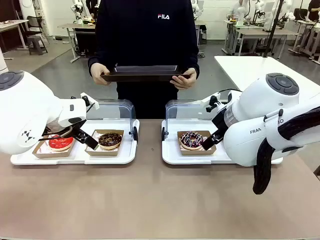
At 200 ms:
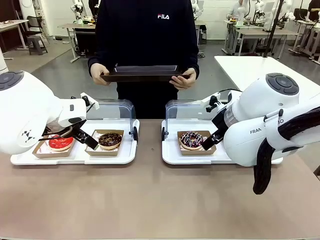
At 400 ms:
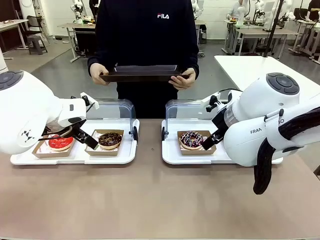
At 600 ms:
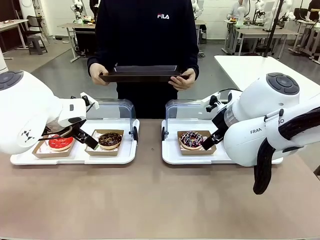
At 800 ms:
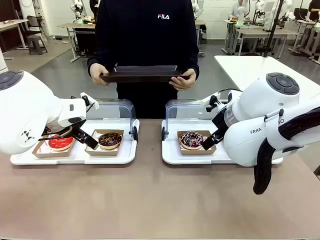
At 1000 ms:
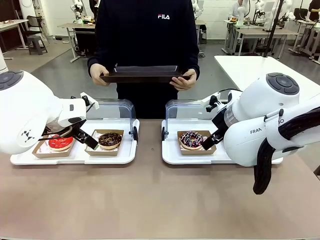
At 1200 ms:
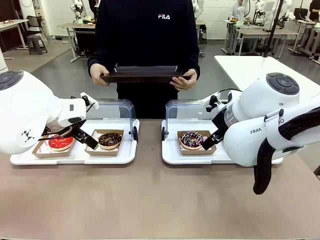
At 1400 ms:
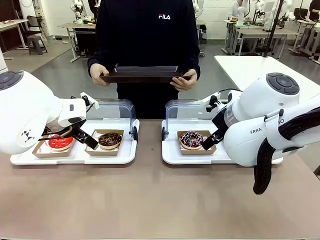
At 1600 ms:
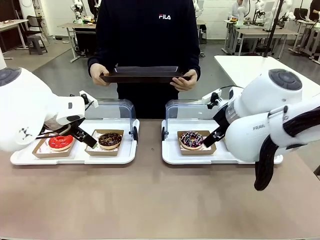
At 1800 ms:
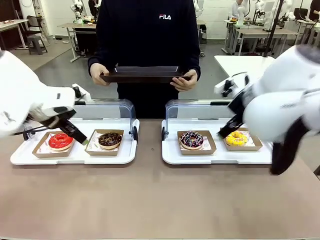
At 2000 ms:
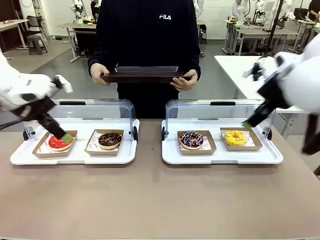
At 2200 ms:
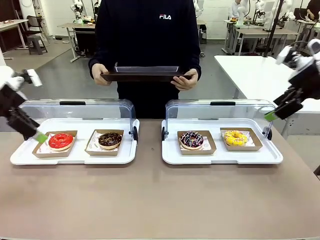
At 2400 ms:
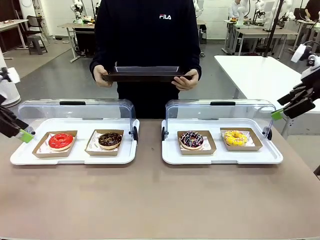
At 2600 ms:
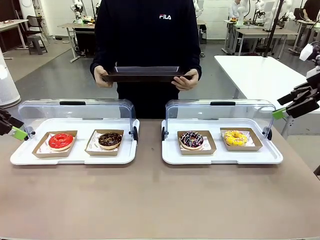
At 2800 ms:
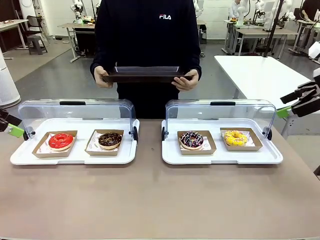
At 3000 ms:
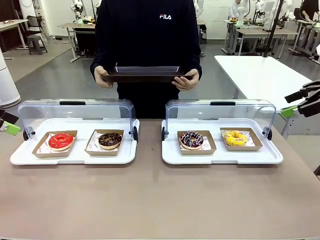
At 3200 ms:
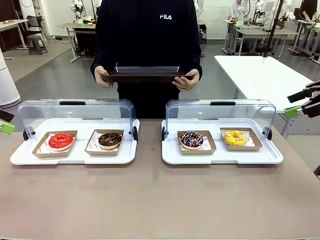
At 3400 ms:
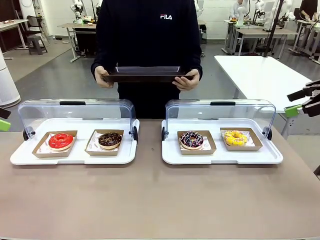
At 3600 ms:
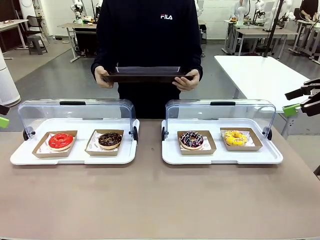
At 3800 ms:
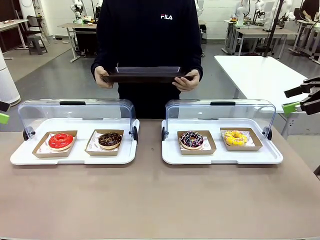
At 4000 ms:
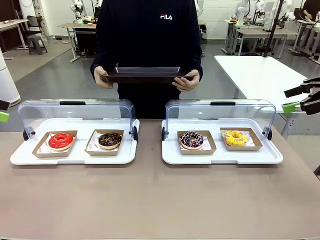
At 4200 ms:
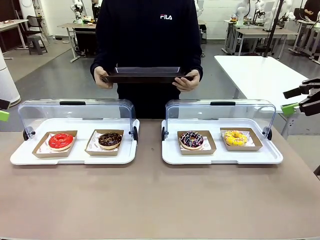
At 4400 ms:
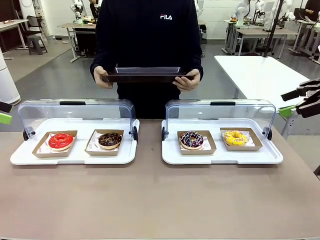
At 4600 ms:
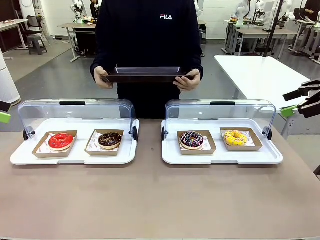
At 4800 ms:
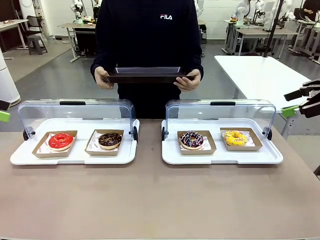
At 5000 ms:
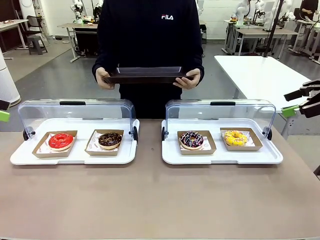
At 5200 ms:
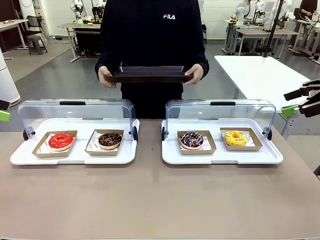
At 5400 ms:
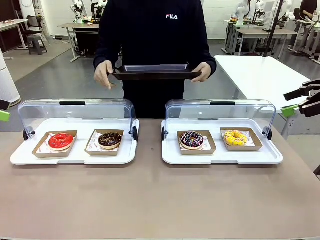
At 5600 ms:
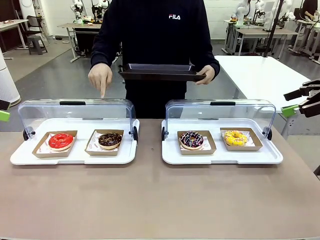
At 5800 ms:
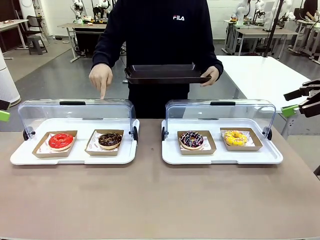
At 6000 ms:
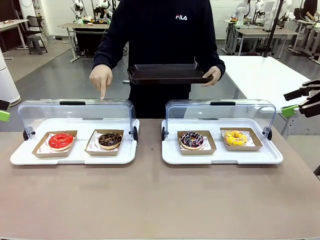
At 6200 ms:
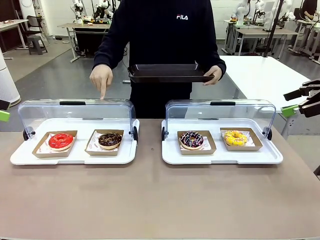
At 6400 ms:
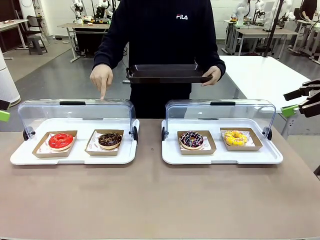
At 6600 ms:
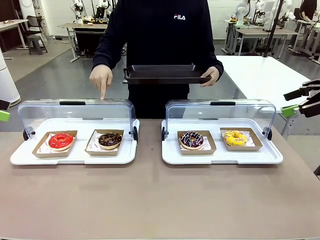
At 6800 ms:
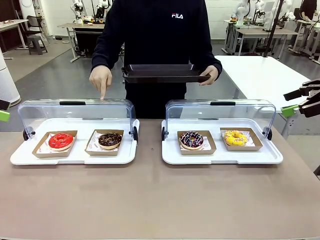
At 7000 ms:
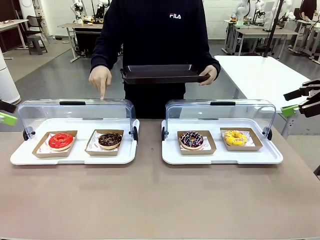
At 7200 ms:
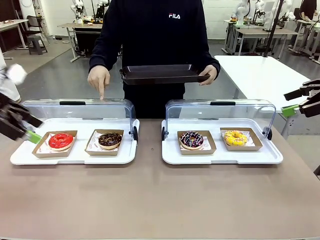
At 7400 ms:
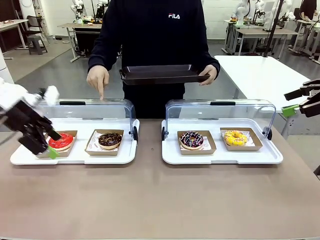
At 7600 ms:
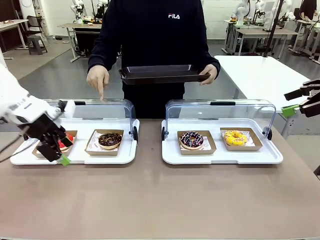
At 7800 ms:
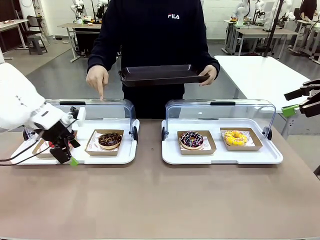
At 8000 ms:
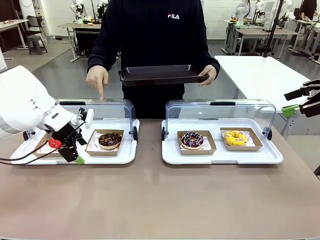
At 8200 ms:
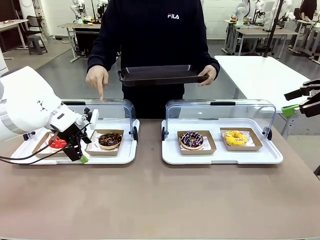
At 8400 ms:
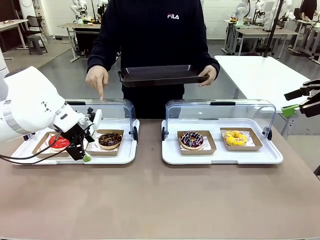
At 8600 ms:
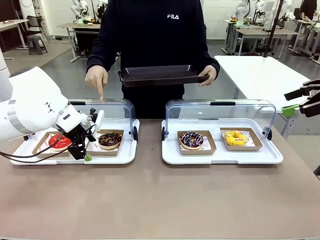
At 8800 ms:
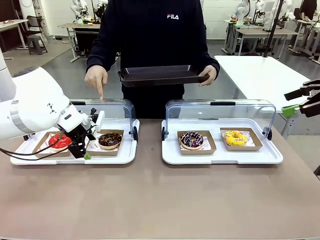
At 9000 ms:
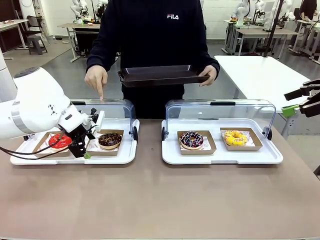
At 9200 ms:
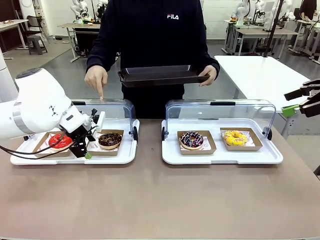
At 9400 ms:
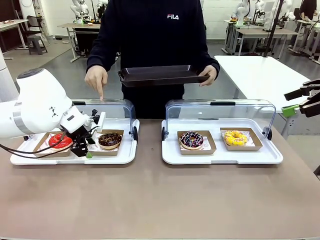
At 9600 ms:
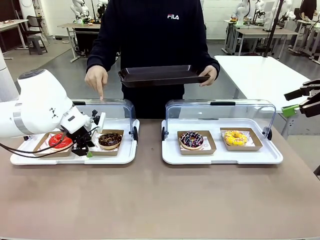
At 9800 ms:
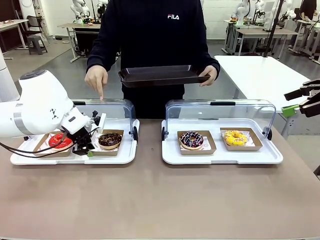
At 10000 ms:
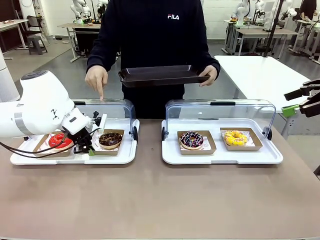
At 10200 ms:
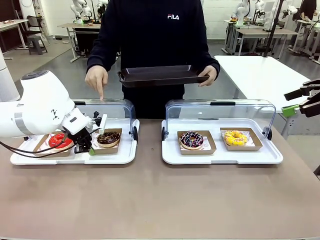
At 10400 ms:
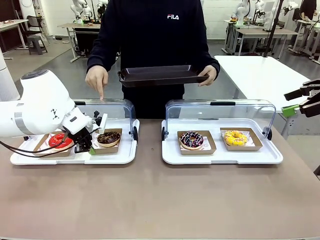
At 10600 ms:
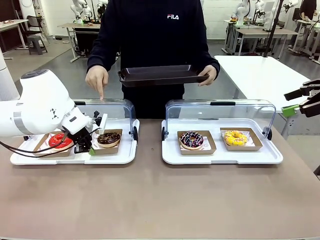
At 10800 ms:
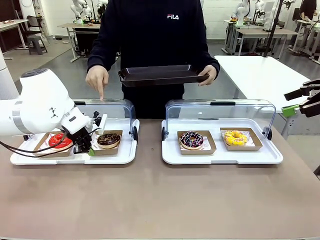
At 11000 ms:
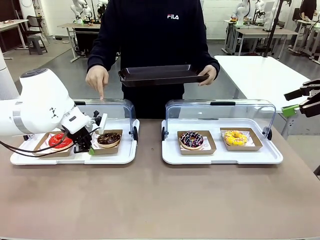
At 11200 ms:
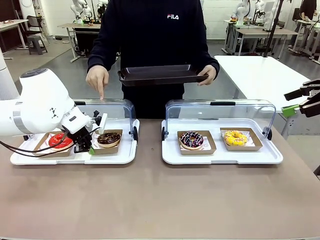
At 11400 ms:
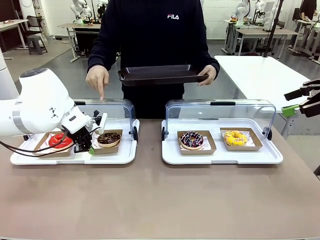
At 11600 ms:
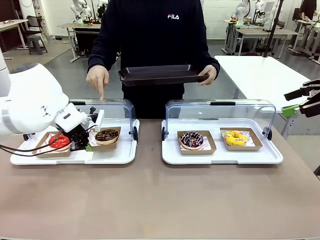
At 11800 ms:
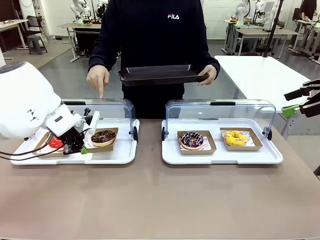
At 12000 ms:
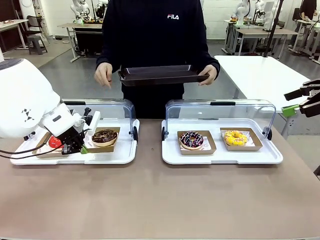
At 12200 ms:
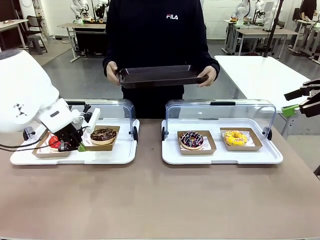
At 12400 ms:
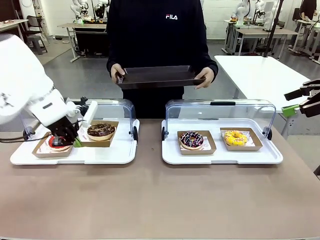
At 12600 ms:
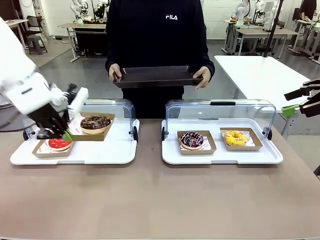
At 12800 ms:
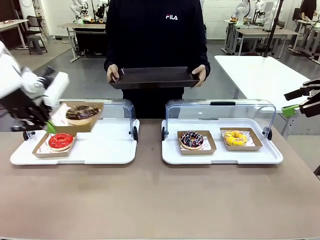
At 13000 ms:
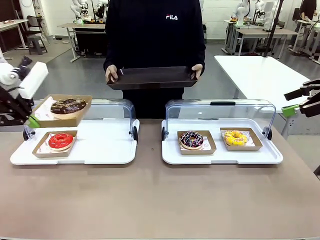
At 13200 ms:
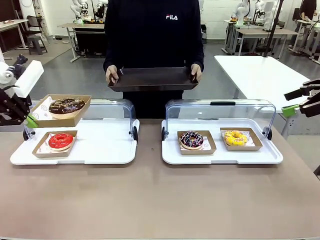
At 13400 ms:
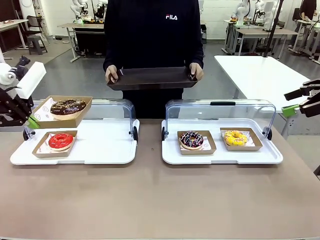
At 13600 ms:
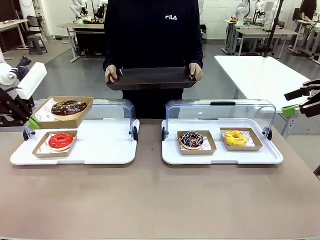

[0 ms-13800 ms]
Task: Provide the desired donut to the person.
Robot: Pick up and lift the Paper togo box containing the Donut pointed at by the person.
Person: Point to one donut. Lift the tray onto the Roll-Top Bakery Case.

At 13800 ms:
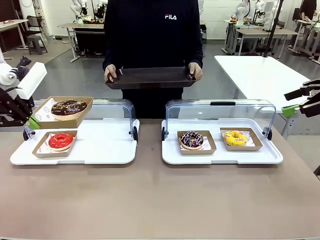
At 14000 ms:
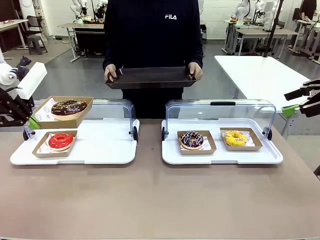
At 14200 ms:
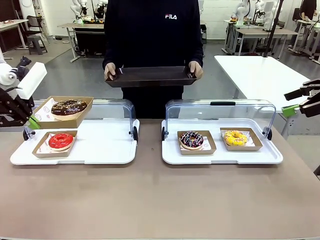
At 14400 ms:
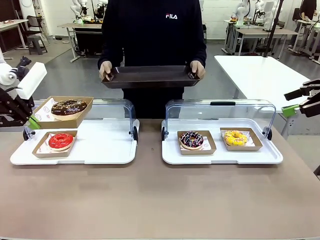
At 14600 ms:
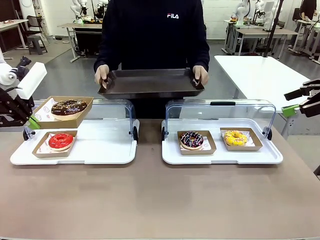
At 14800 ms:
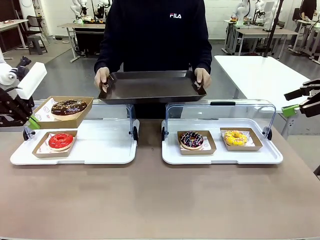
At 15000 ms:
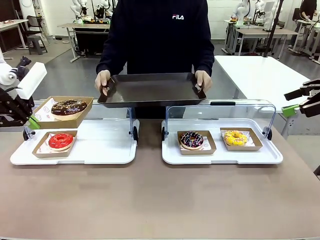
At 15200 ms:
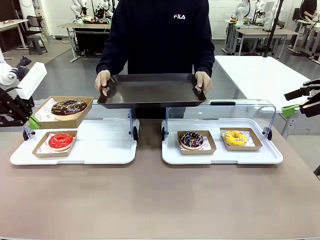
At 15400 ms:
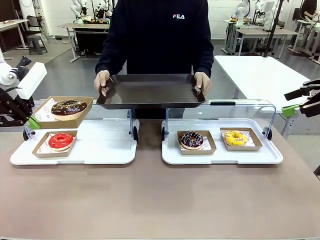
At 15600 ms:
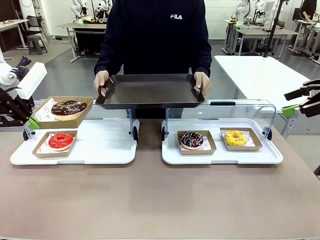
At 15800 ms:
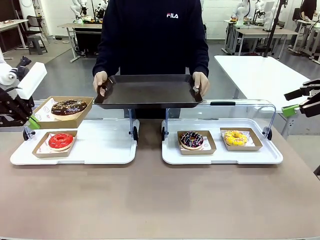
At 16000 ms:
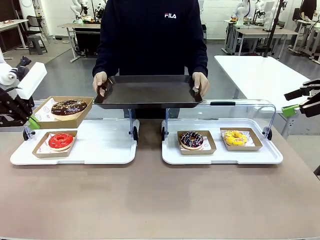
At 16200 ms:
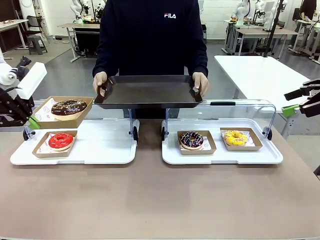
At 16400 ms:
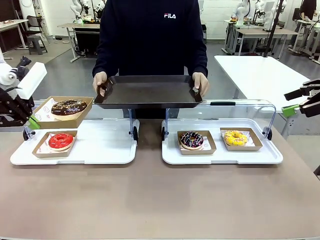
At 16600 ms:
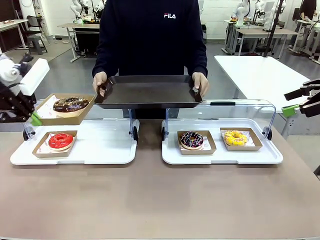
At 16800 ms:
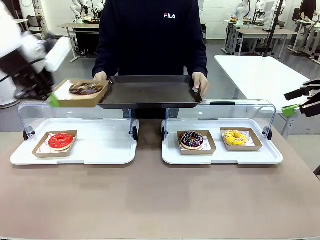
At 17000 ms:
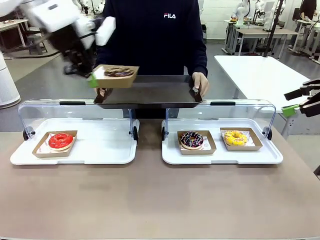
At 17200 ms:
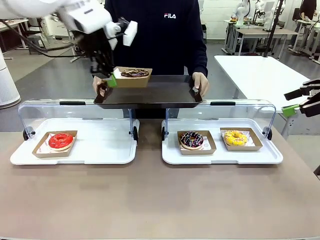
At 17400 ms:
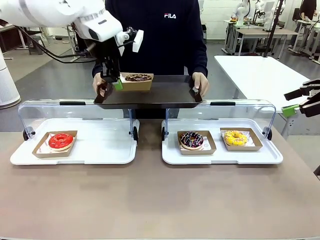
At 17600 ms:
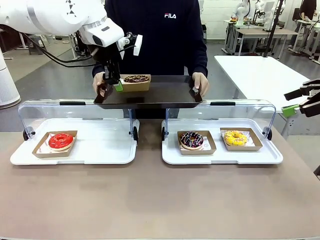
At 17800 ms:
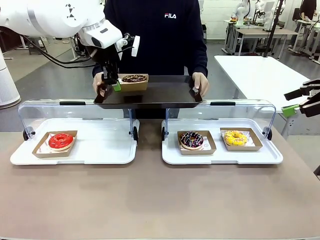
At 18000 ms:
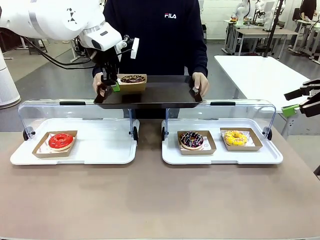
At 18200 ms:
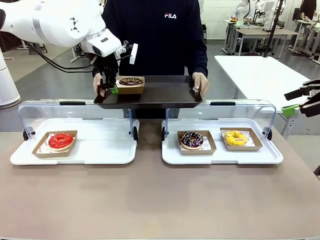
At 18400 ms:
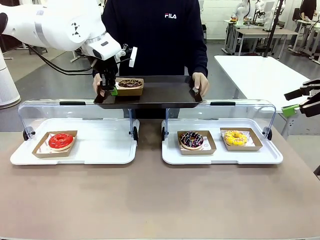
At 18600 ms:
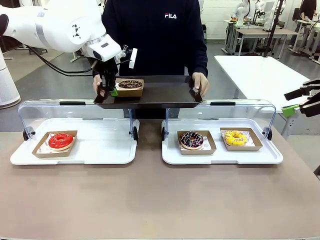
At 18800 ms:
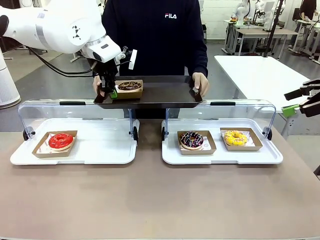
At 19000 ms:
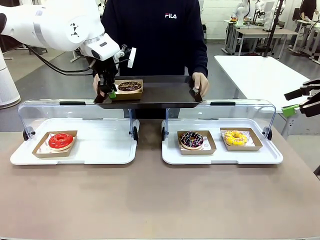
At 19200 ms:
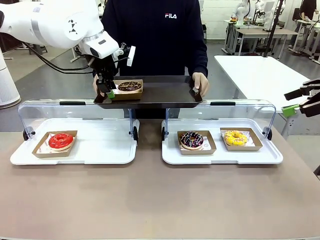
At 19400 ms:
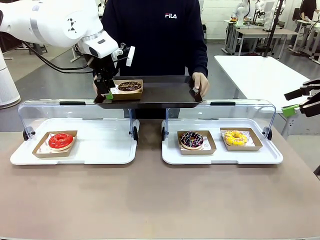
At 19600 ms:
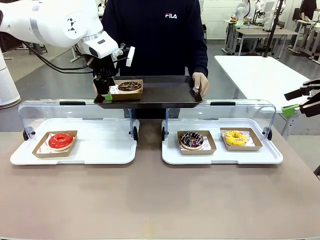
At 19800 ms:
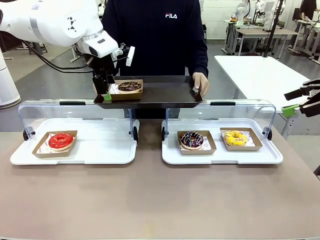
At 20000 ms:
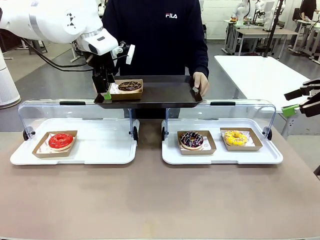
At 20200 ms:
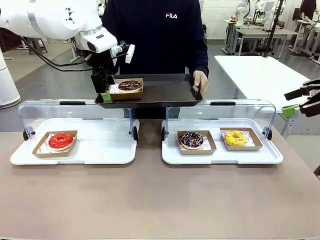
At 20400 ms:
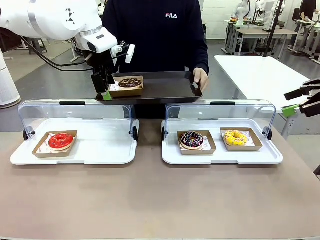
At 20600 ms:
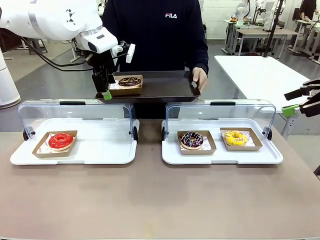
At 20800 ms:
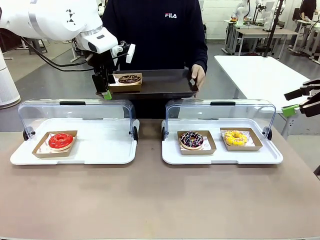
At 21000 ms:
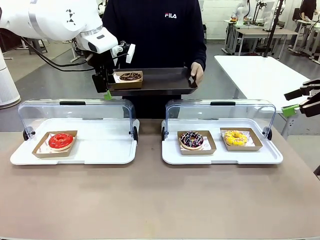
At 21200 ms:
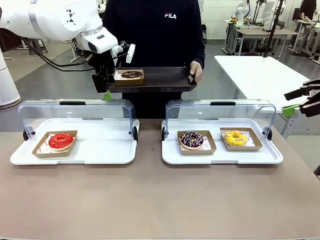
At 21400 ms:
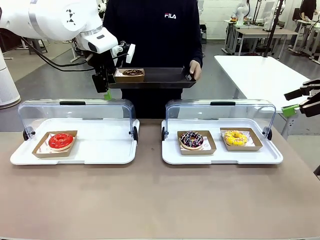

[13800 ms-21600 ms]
Robot: Place the picked Paper togo box onto the Handle tray extended by the person.
Person: Point to one donut.
